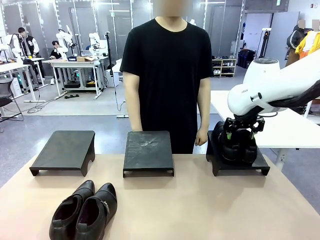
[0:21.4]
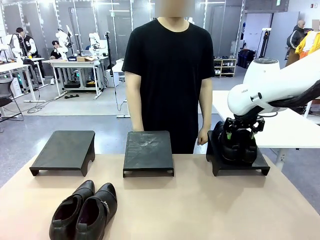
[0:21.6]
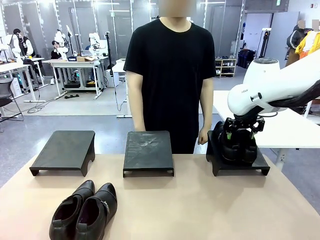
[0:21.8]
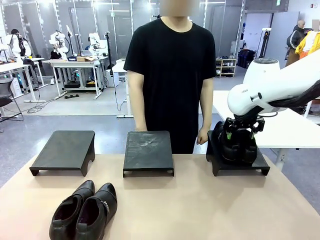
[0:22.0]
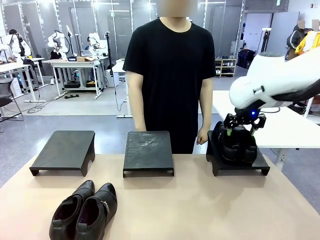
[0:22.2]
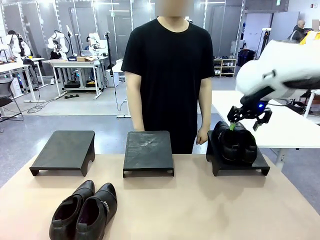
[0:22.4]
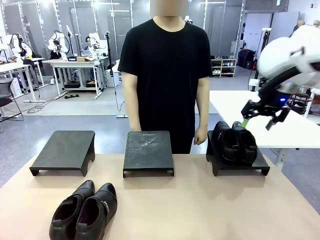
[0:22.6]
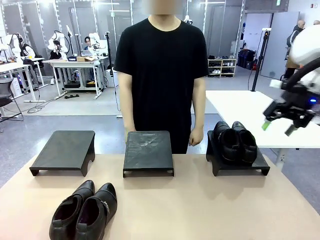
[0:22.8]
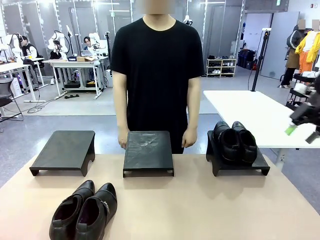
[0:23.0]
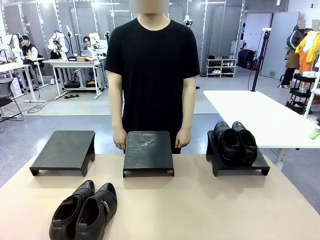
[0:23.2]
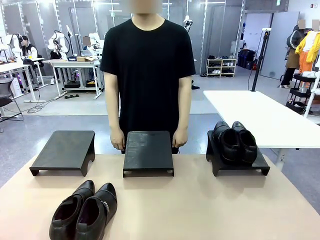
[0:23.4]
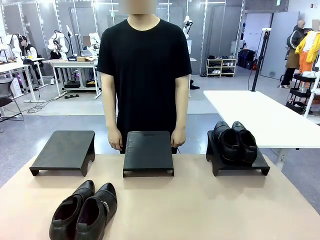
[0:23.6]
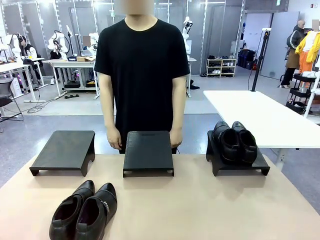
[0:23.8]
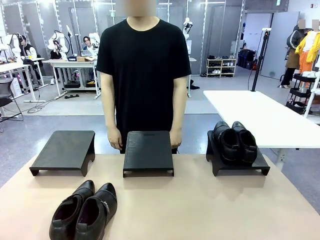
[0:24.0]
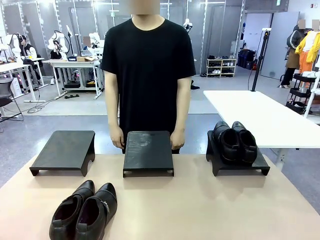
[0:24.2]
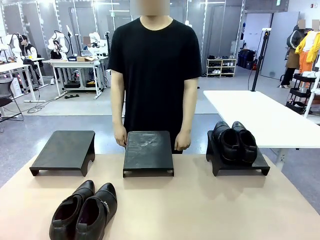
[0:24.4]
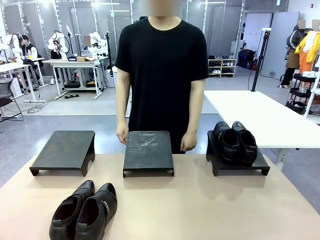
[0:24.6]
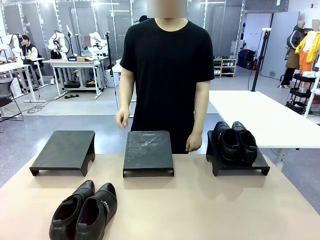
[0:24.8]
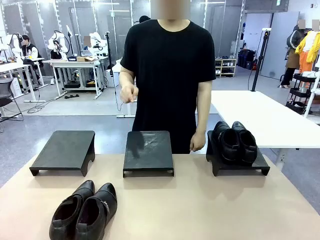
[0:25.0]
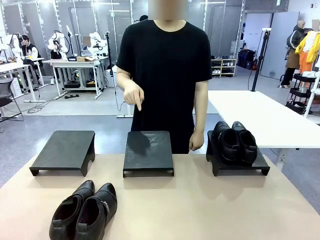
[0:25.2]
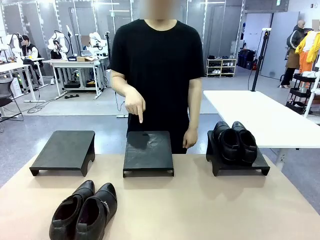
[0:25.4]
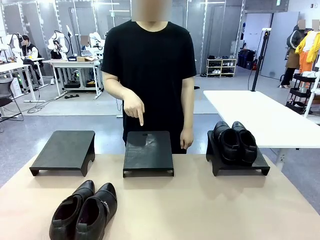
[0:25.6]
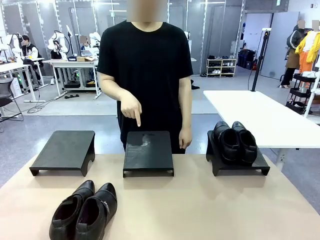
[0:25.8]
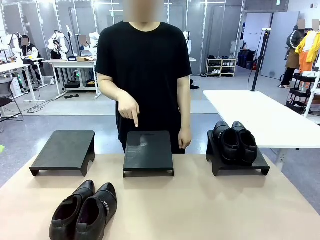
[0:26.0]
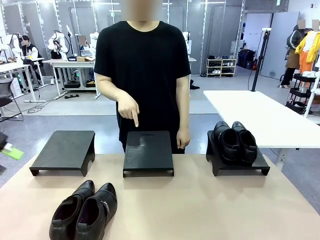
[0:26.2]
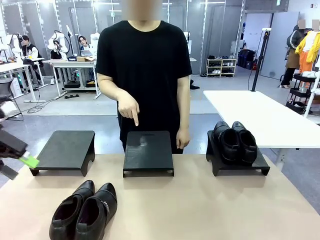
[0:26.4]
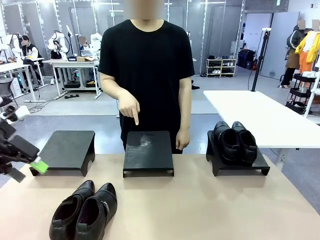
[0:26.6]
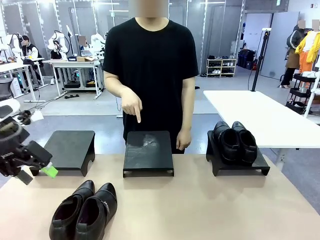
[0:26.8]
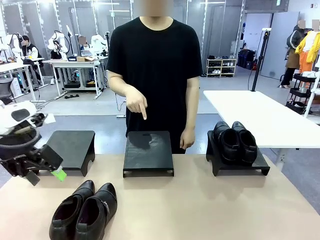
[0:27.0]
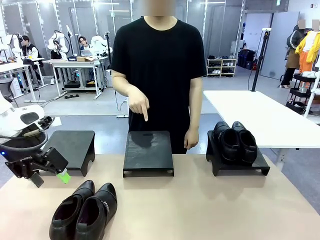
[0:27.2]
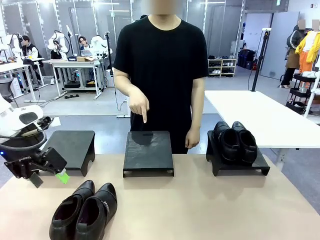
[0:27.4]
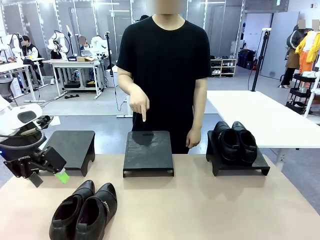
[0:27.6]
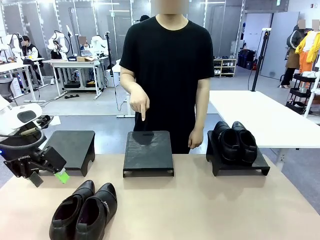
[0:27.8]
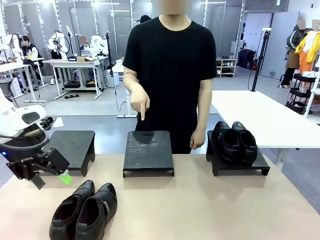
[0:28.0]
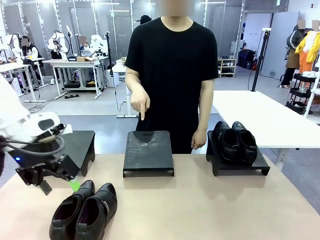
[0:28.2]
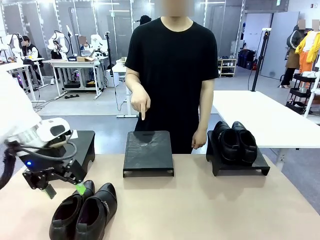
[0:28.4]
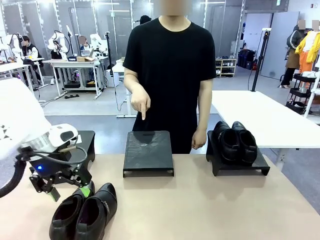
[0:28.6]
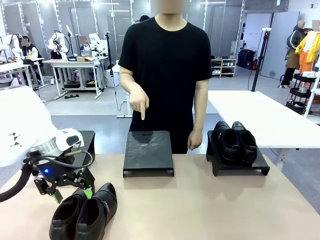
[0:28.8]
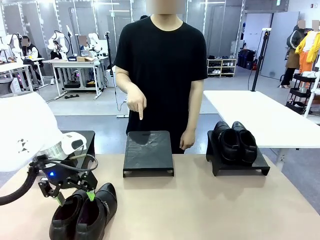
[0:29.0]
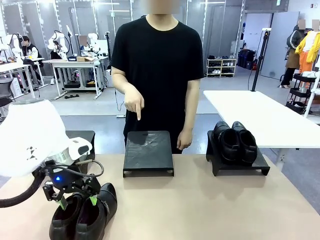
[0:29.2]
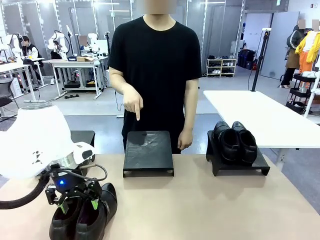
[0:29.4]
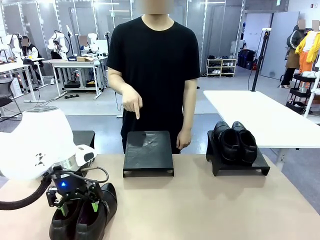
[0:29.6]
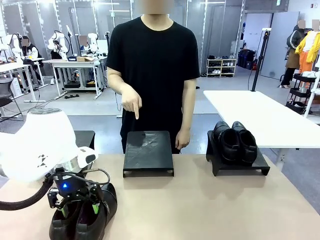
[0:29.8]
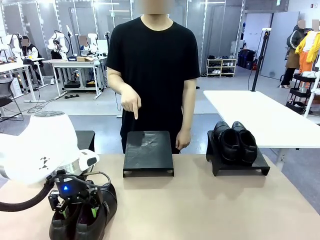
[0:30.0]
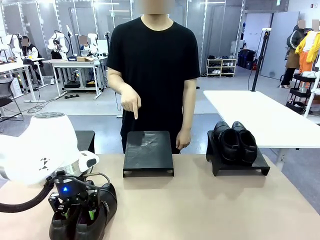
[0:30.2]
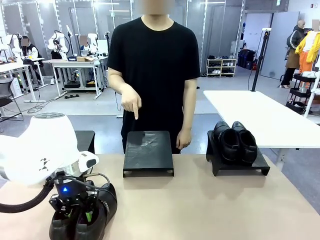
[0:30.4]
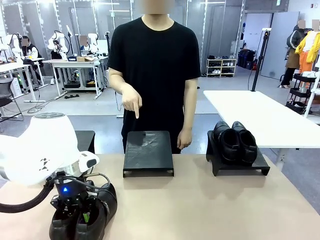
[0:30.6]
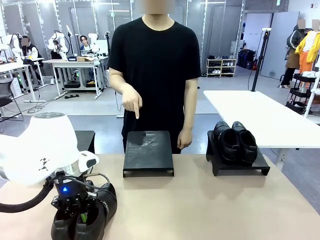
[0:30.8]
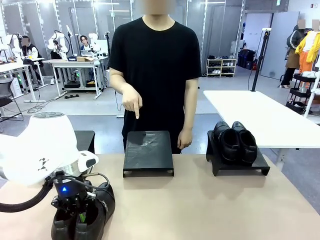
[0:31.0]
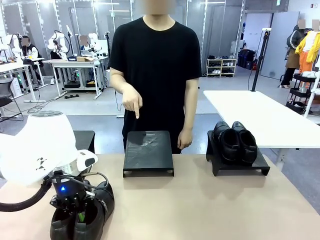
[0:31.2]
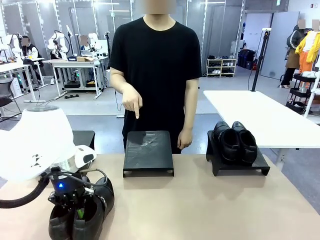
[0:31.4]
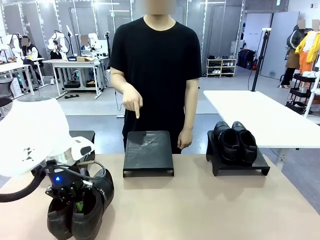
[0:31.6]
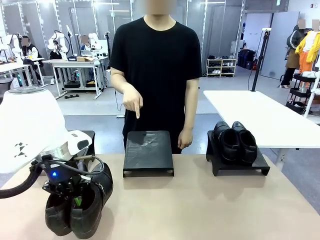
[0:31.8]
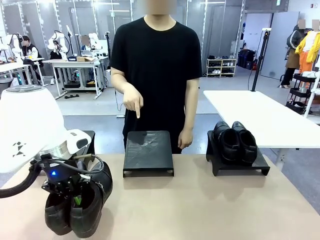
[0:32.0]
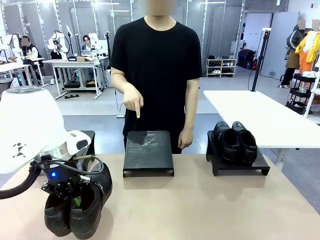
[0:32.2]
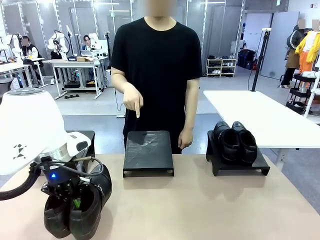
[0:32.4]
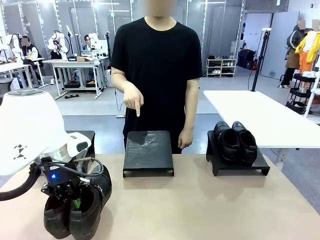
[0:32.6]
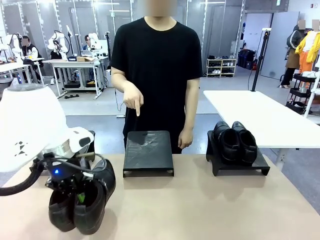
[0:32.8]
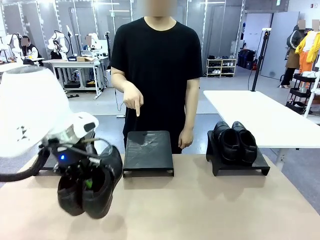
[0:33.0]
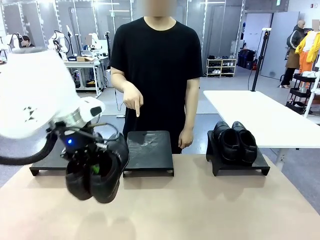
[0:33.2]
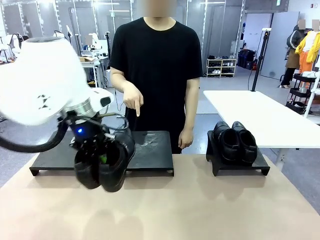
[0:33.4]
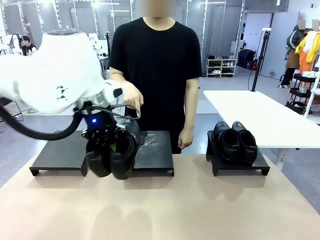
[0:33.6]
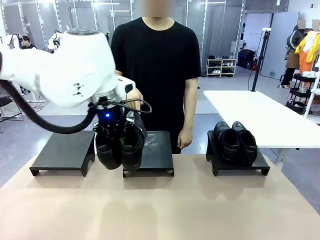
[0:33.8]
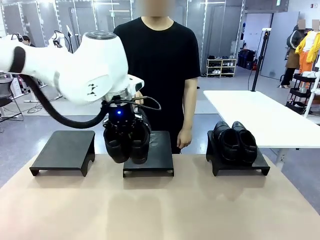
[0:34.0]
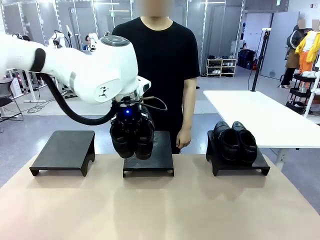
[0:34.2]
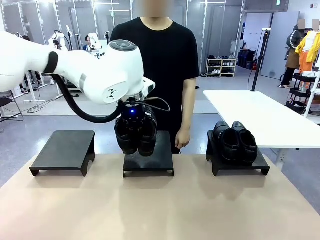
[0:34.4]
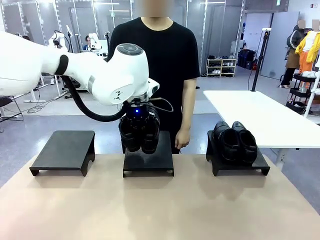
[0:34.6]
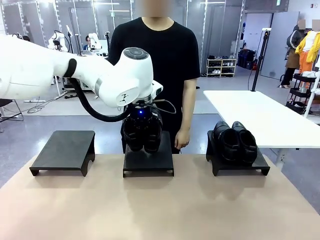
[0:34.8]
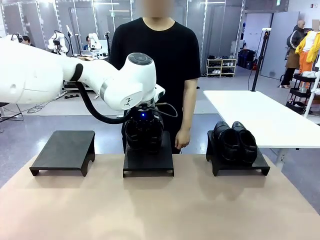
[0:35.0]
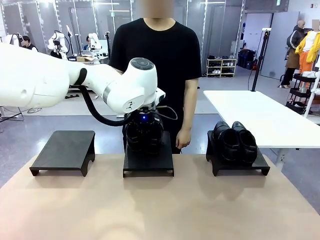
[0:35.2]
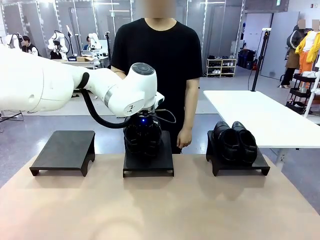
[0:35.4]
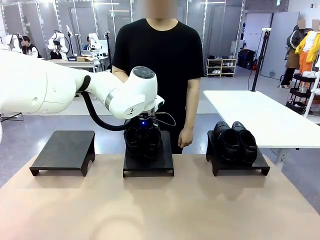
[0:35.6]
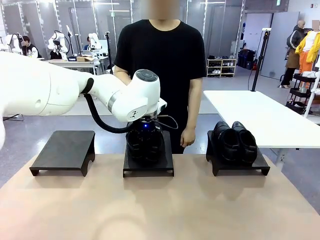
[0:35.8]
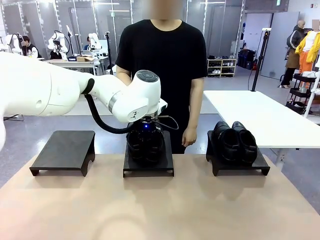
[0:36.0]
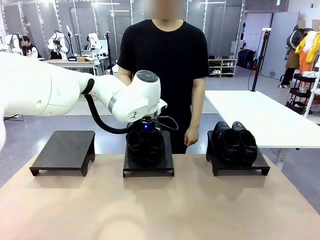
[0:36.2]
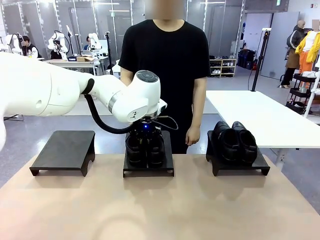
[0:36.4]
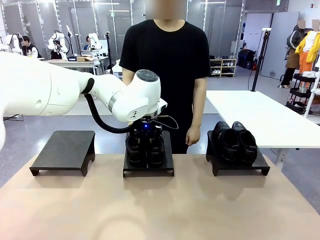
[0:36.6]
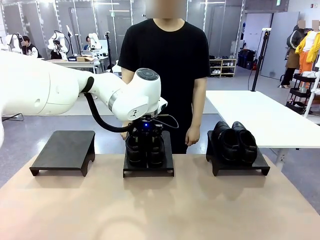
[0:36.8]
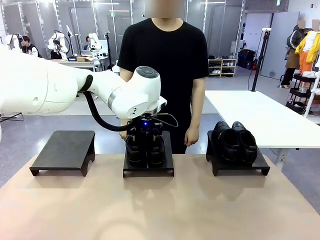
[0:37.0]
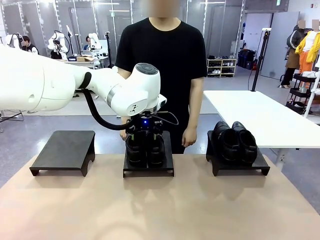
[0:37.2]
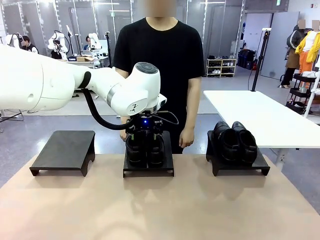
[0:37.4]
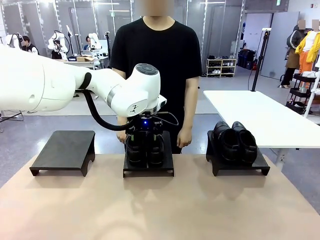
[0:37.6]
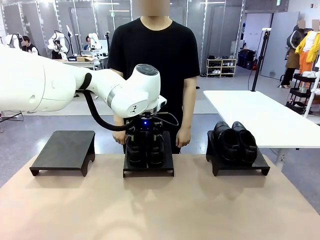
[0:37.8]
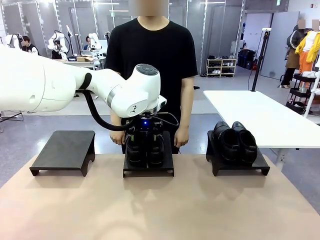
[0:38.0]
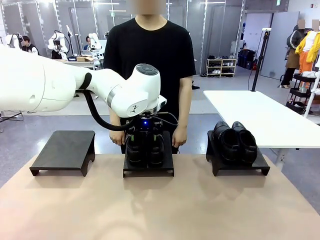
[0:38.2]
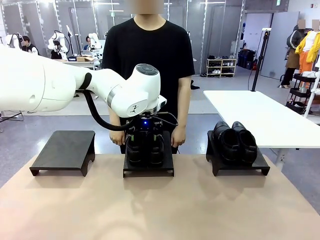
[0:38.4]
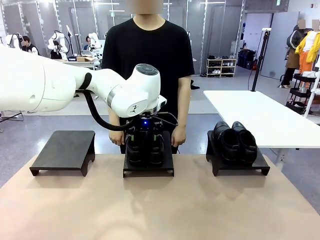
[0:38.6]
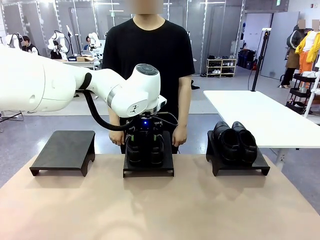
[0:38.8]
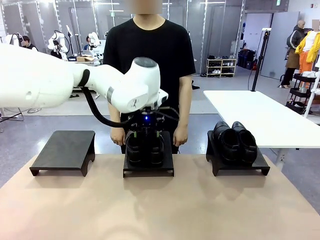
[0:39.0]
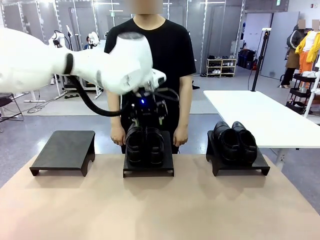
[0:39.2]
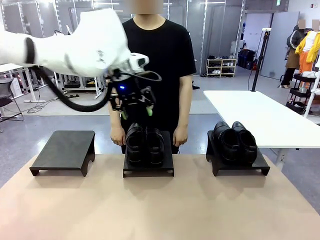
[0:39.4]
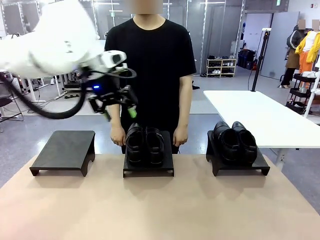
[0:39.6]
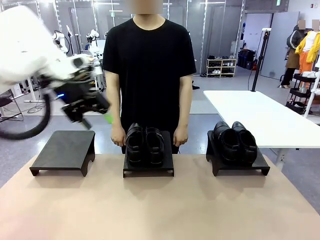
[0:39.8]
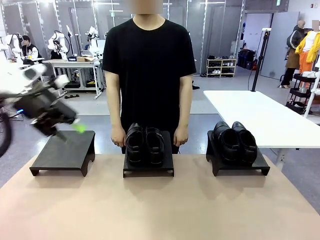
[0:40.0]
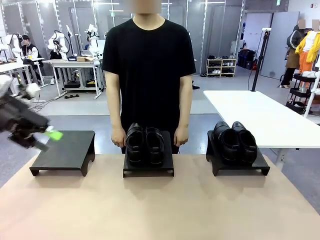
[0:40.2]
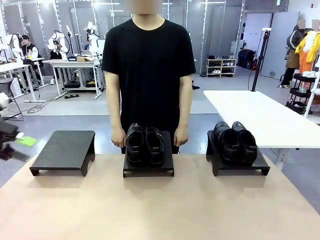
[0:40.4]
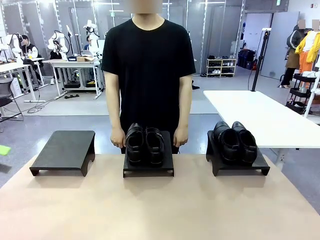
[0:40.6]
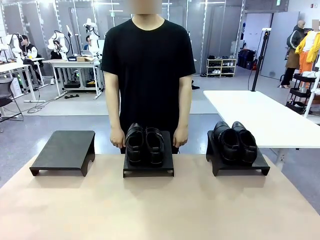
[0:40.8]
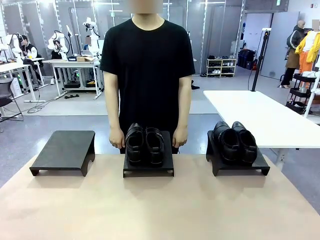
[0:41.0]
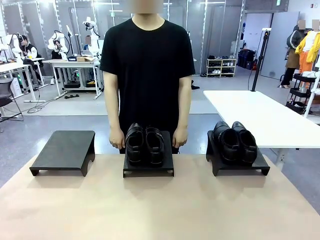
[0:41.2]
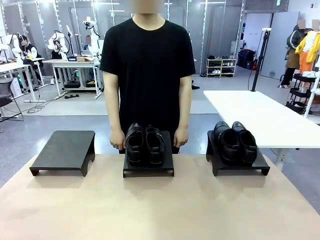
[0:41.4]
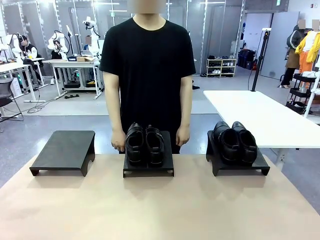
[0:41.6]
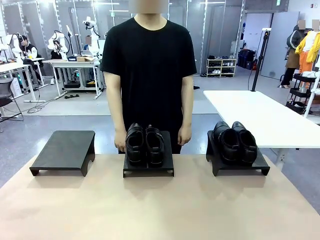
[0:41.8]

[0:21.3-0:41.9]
Task: Place the shoes on the stand as instructed by the person.
Robot: Pick up another pair of Shoes and place it on the Shoes Stand indicated by the person.
